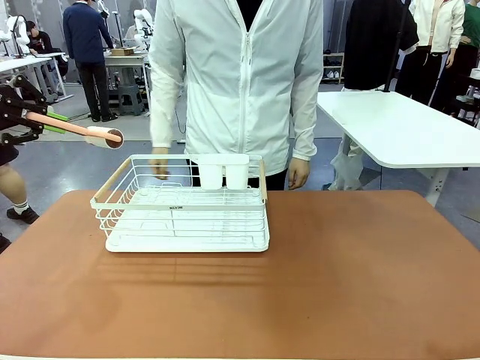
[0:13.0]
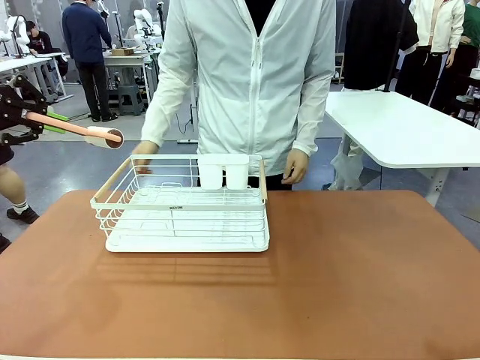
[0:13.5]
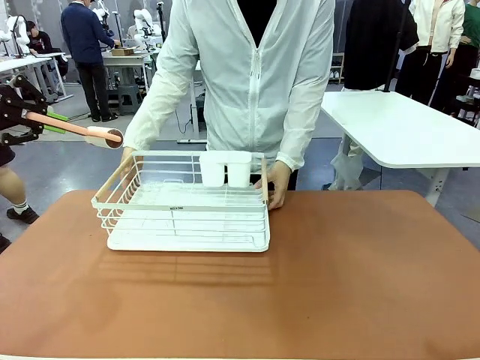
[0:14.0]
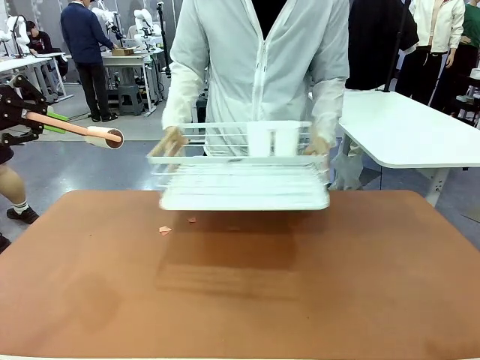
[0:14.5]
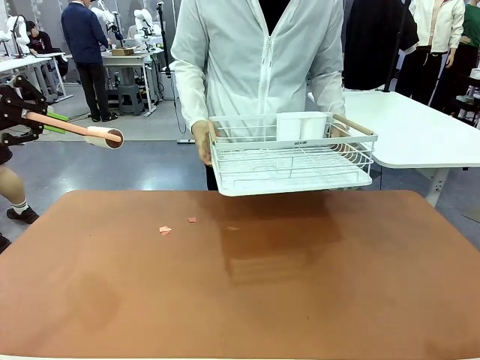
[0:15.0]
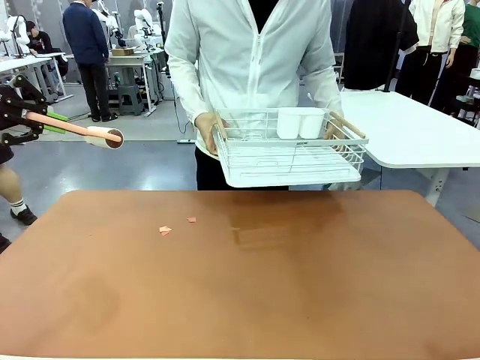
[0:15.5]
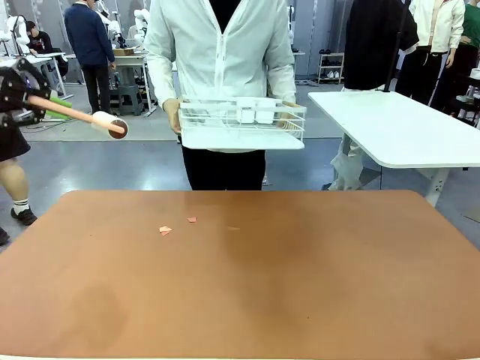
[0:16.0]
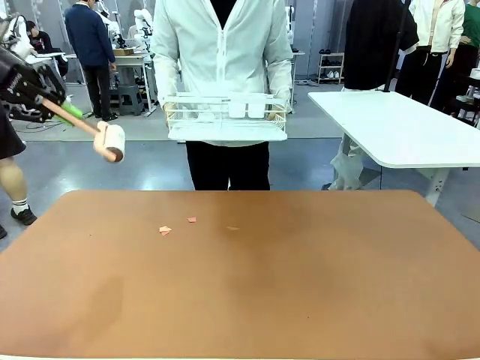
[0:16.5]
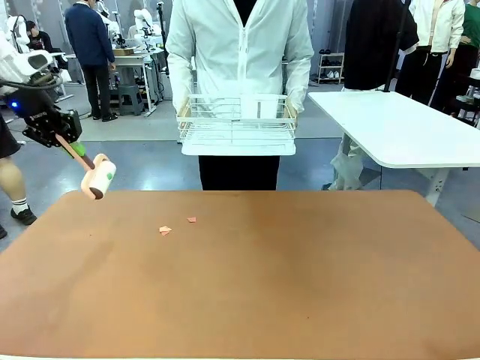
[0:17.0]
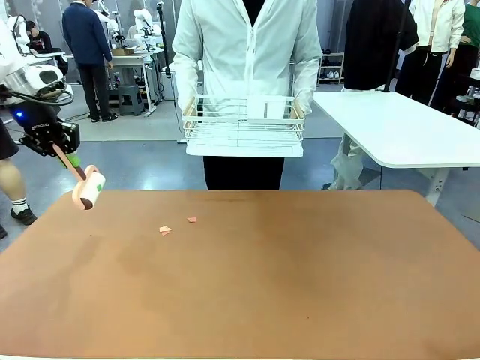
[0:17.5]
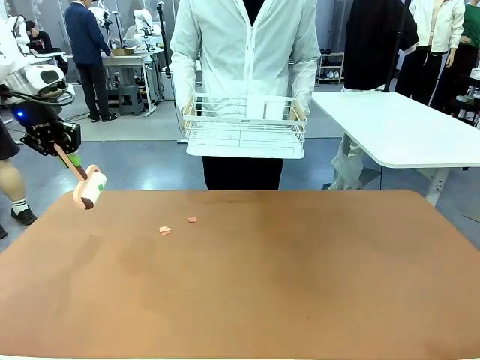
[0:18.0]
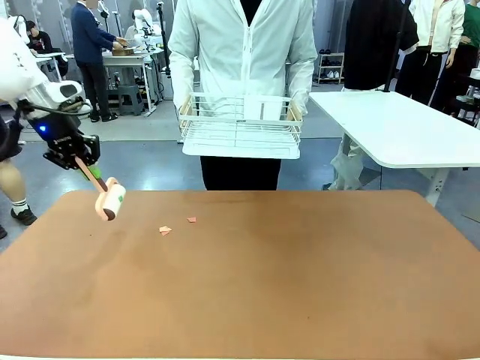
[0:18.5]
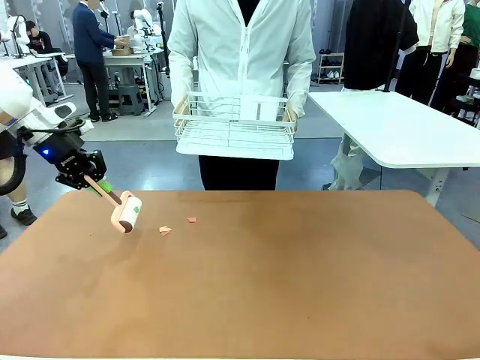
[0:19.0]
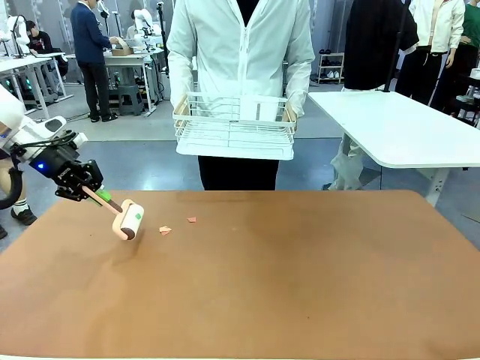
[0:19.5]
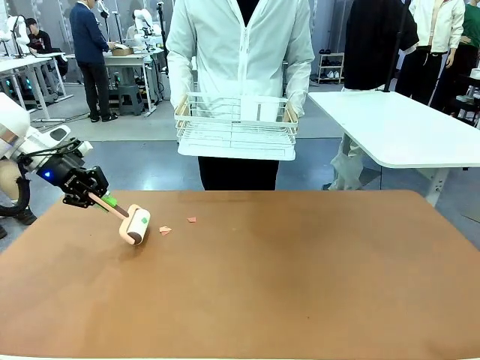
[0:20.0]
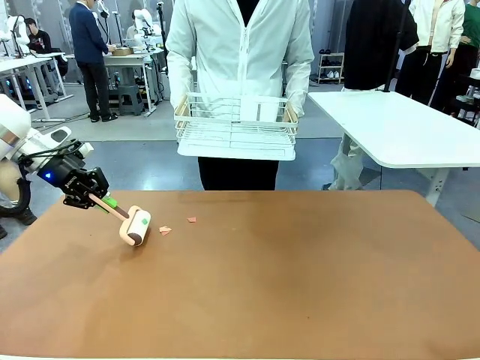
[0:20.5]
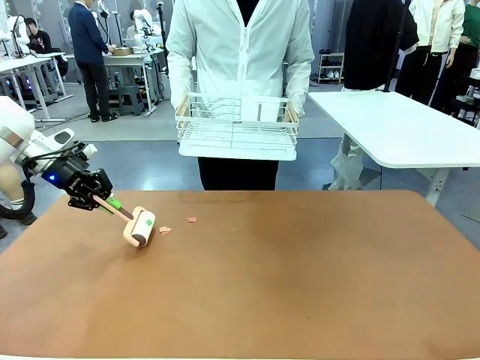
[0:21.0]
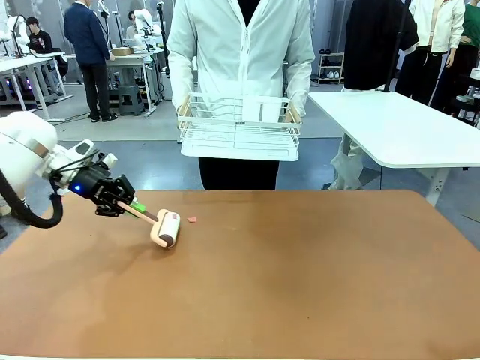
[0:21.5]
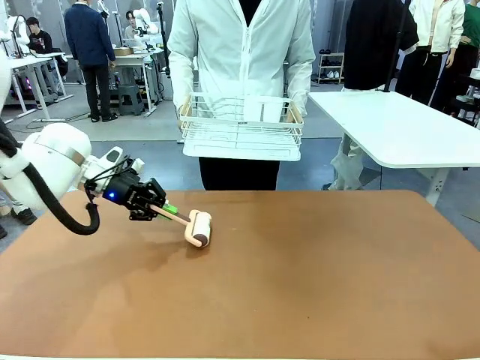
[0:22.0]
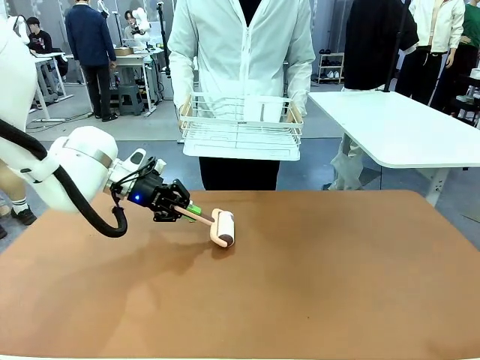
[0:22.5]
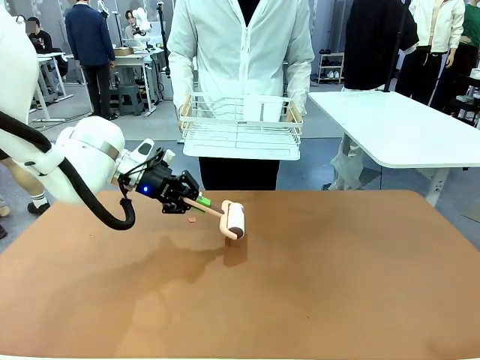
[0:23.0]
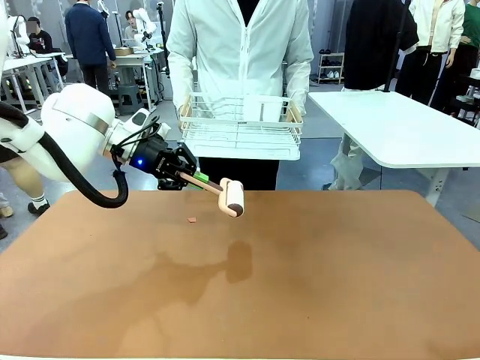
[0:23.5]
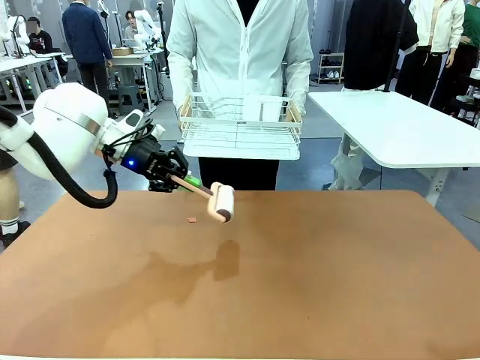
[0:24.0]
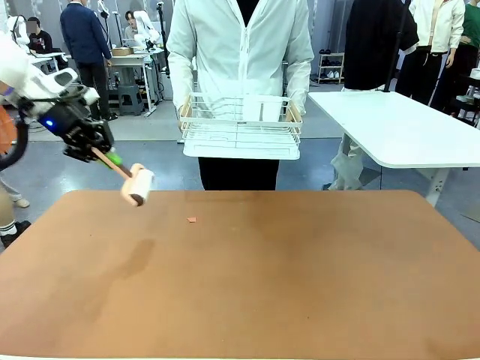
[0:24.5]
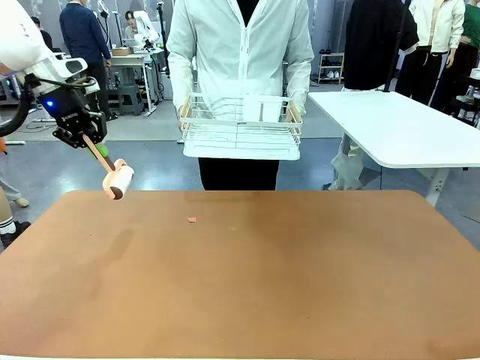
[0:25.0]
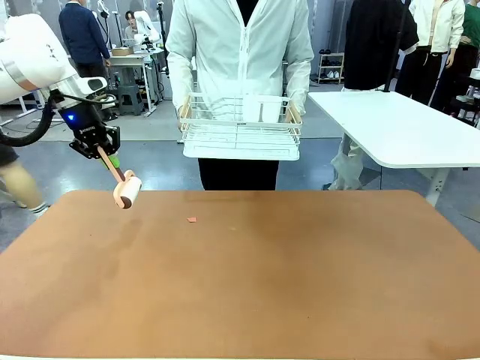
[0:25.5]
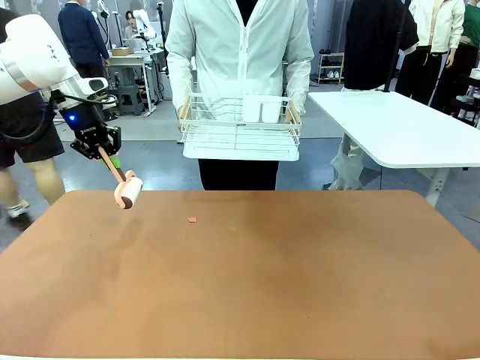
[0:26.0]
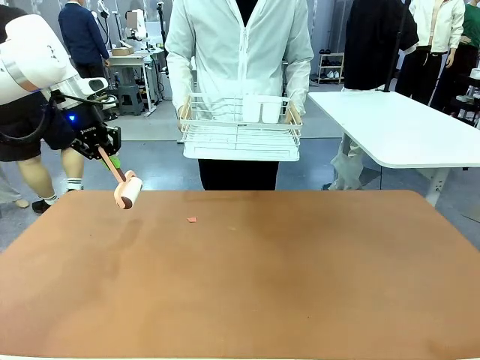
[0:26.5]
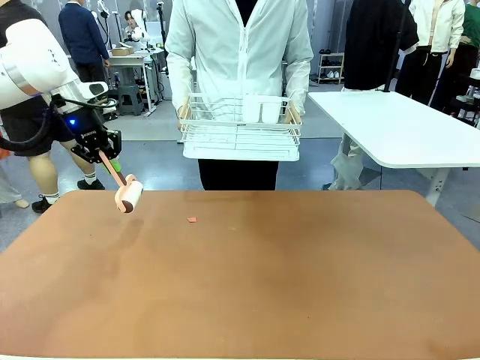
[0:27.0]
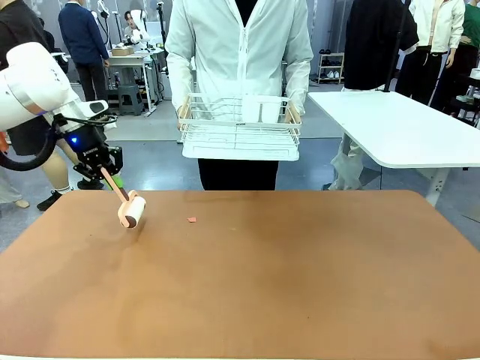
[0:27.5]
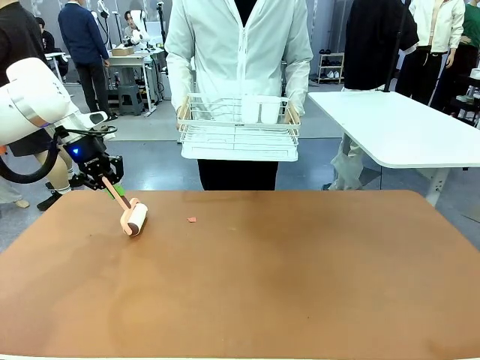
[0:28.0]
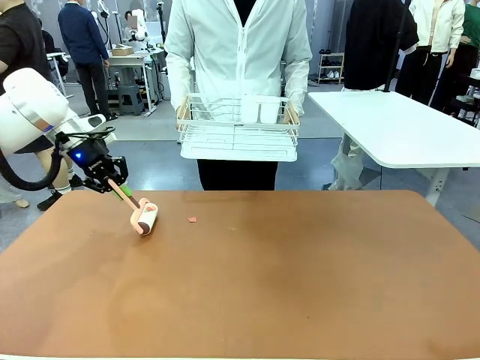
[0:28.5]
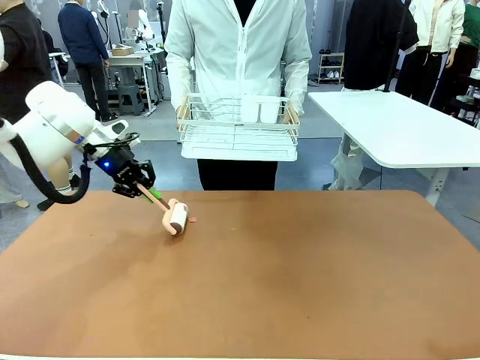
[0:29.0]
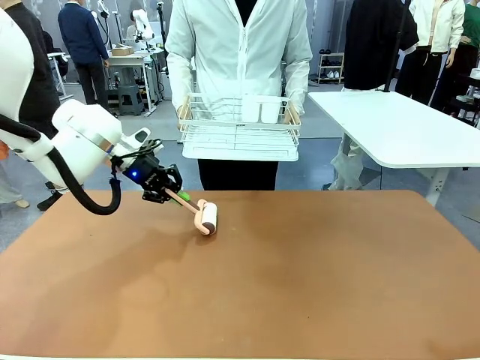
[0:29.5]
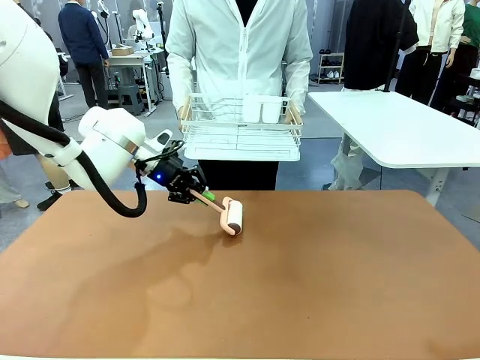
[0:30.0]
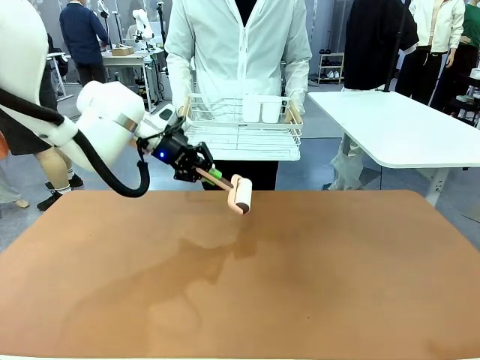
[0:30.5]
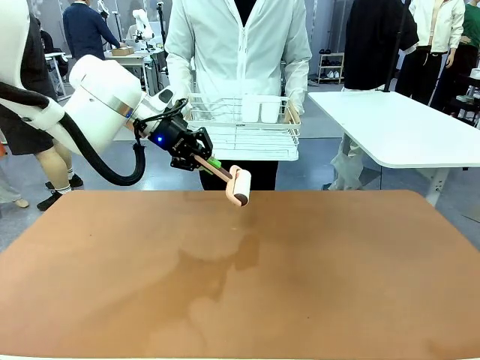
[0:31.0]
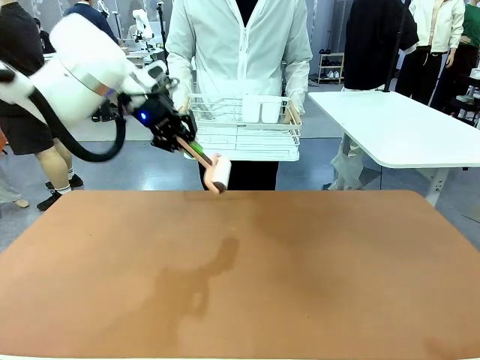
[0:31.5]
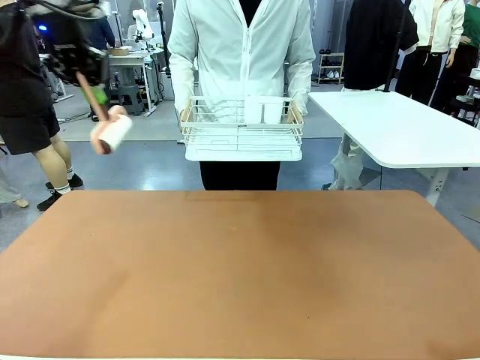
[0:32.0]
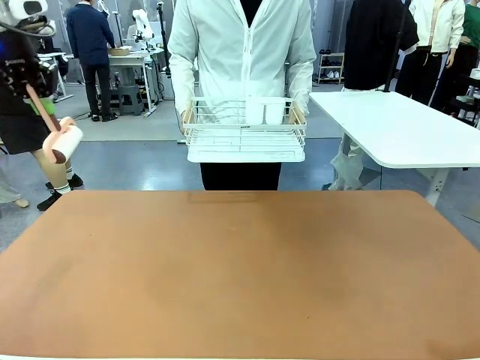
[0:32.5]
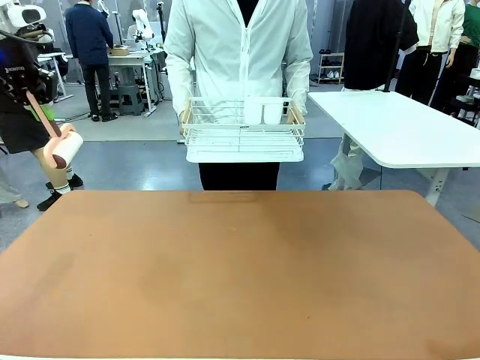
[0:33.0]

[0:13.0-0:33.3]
Task: Clean the table.
Robot: Clean the table with the Lint Roller when the human lifts the Dish drying rack.
Person: Place the Dish drying rack down when the robot finishes cleaning.

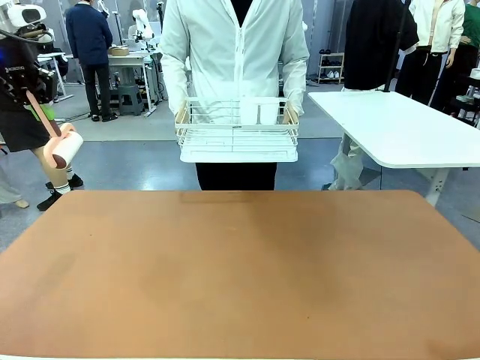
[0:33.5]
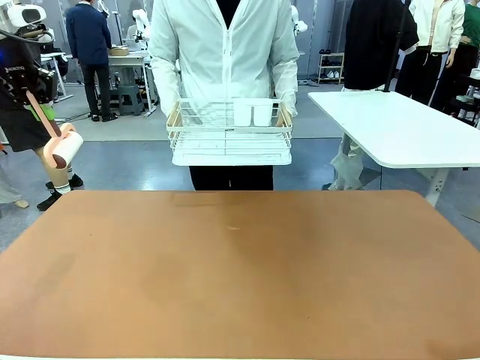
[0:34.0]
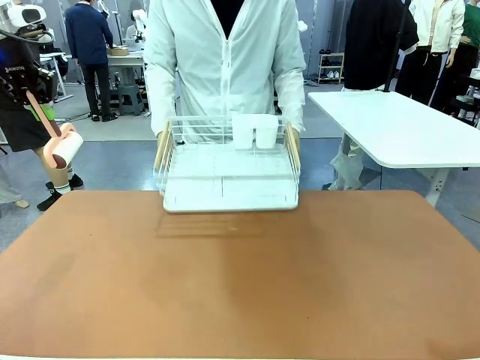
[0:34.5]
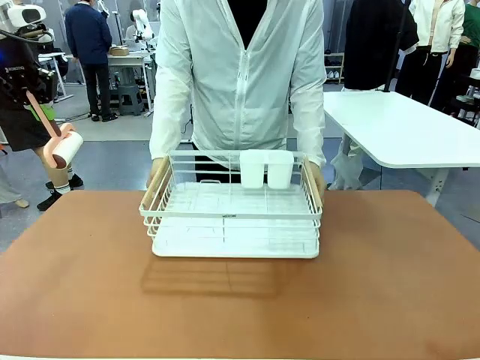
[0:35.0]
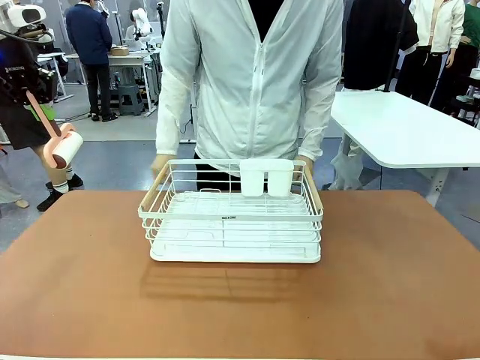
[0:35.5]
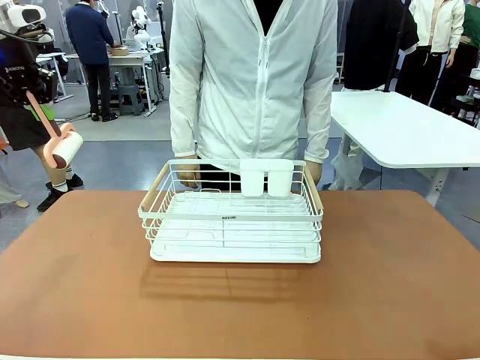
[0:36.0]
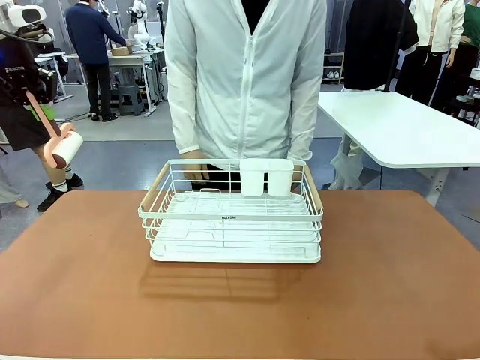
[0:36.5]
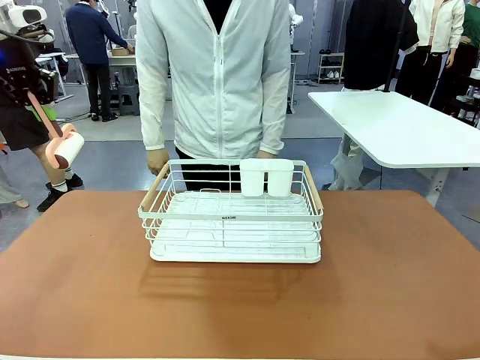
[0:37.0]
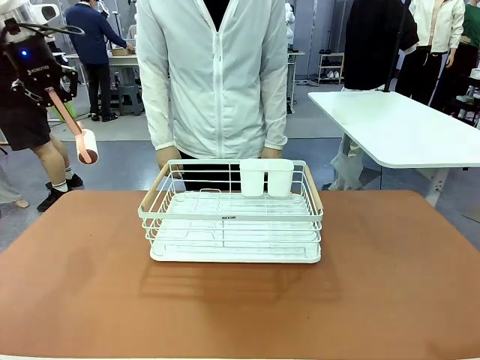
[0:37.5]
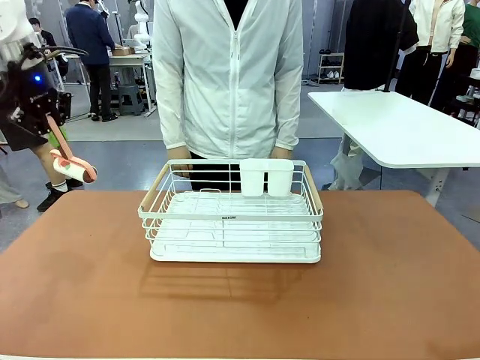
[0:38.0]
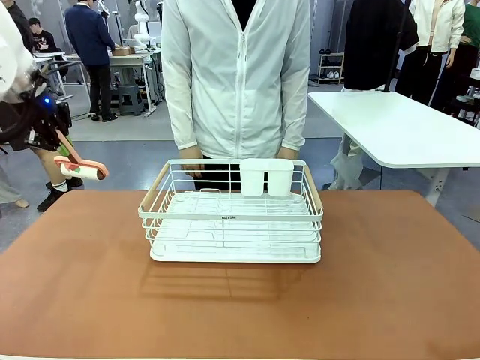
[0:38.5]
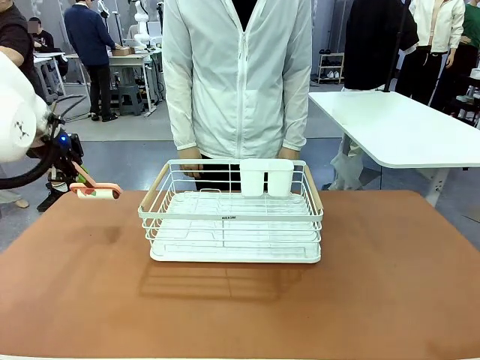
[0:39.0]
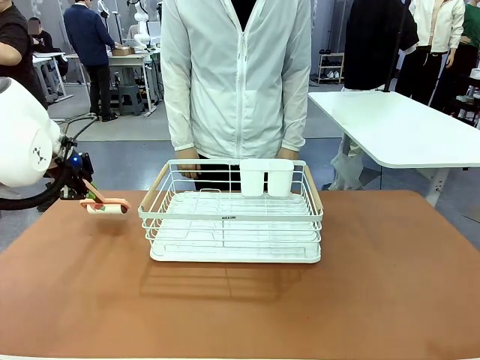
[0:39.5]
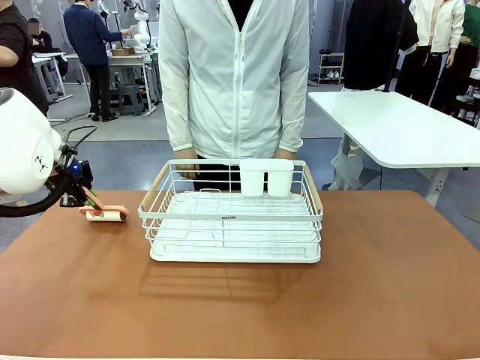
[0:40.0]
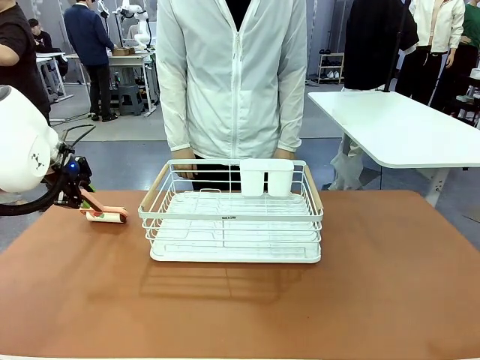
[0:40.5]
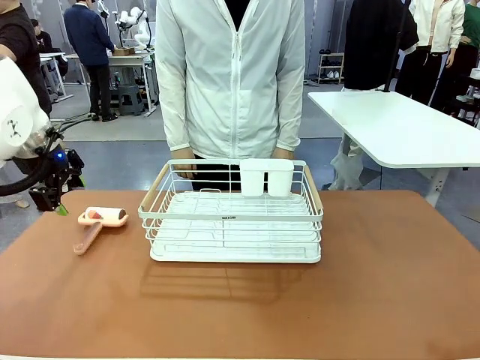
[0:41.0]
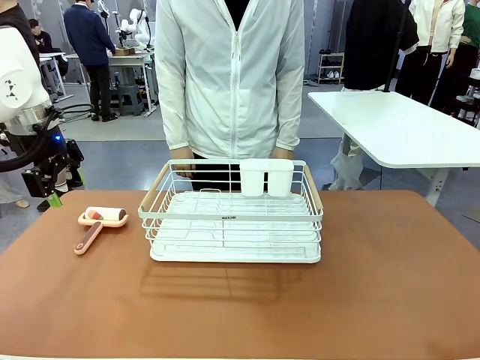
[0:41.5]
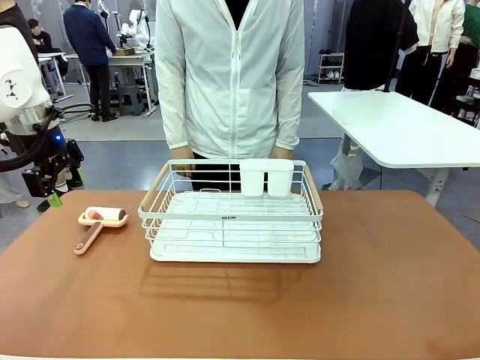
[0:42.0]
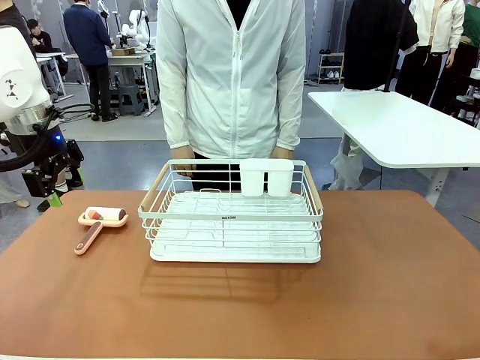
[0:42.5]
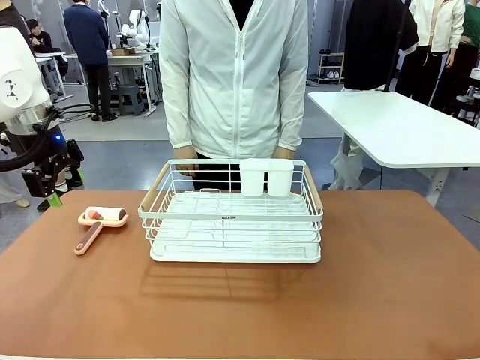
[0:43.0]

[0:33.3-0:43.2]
Robot: Place the Lint Roller down when the Dish drying rack is positioned in the middle of the table.
